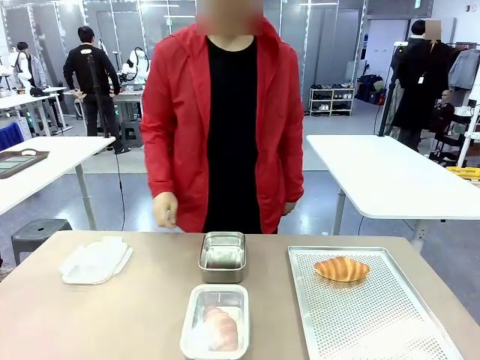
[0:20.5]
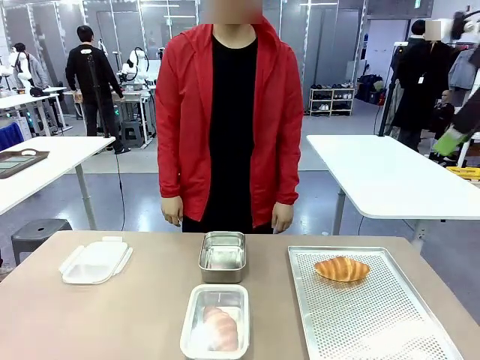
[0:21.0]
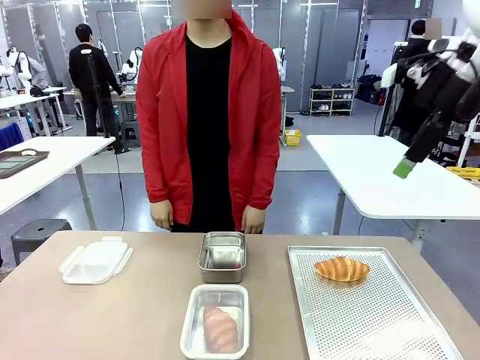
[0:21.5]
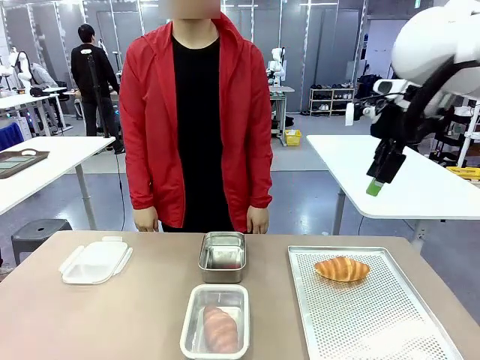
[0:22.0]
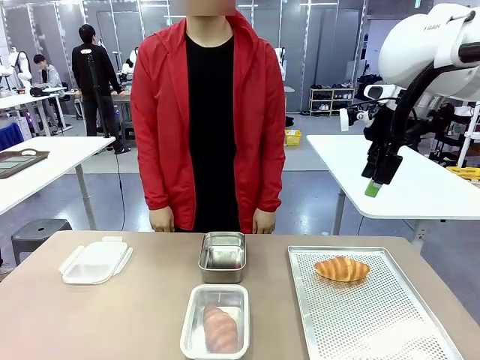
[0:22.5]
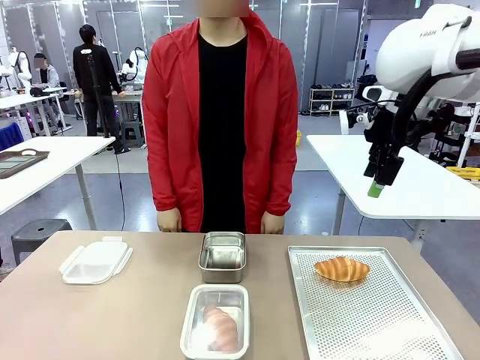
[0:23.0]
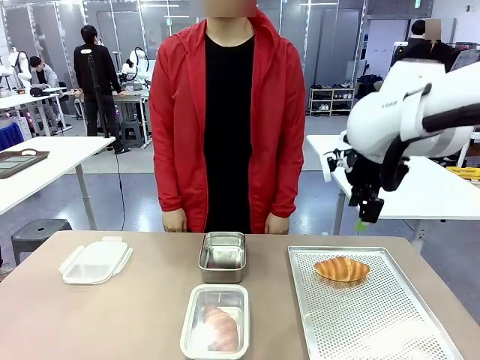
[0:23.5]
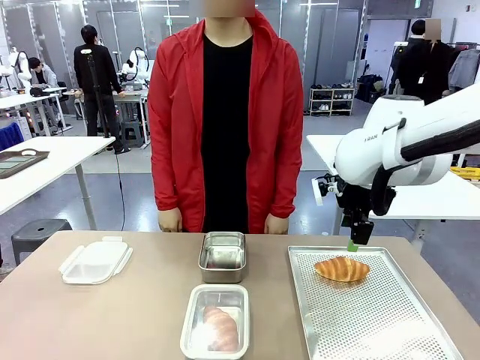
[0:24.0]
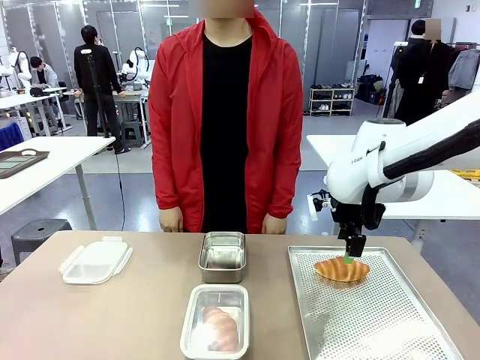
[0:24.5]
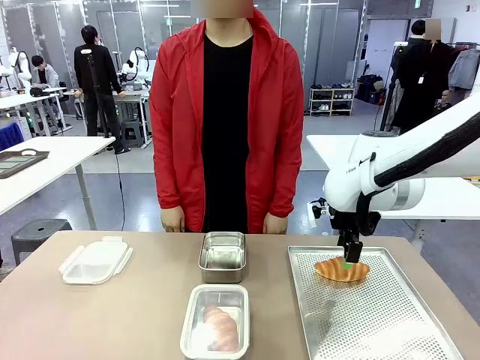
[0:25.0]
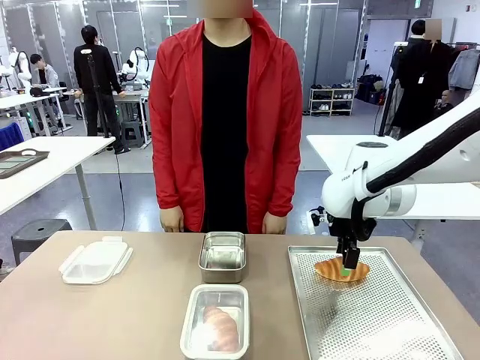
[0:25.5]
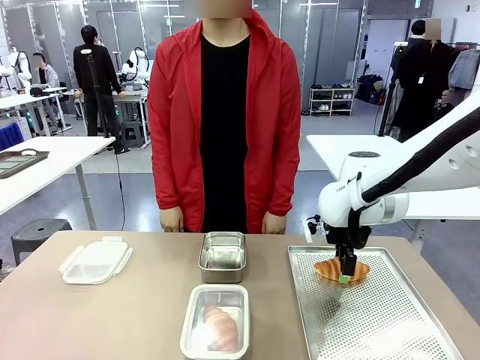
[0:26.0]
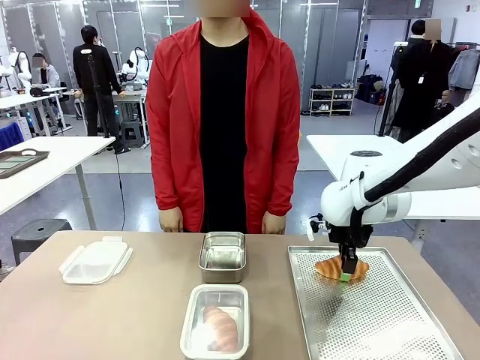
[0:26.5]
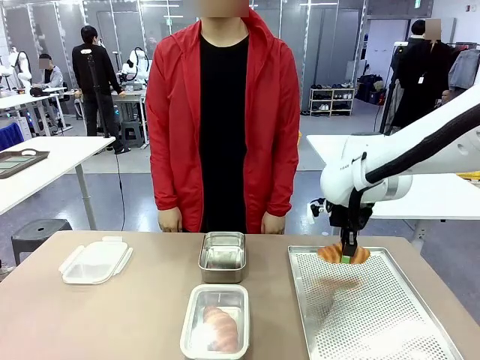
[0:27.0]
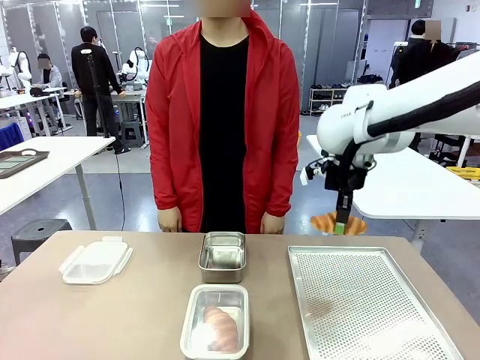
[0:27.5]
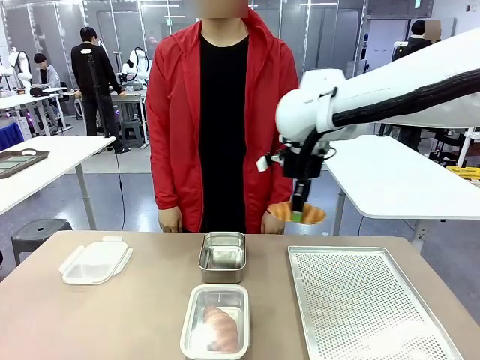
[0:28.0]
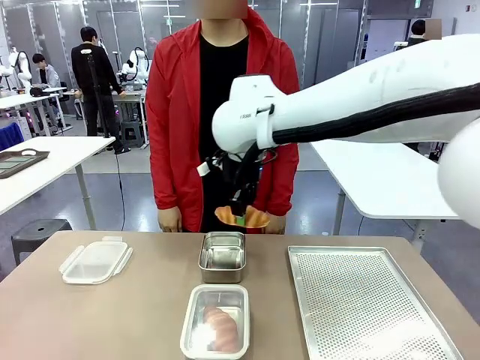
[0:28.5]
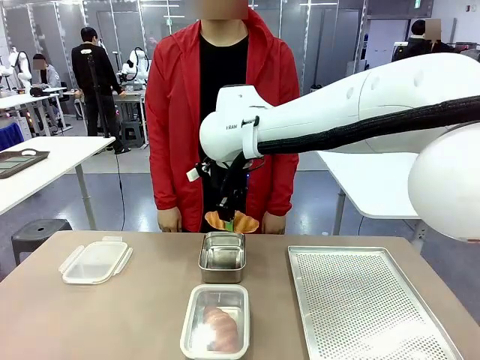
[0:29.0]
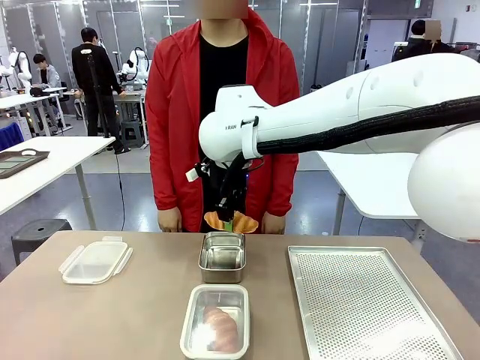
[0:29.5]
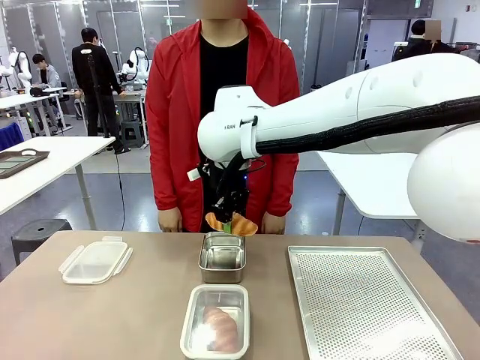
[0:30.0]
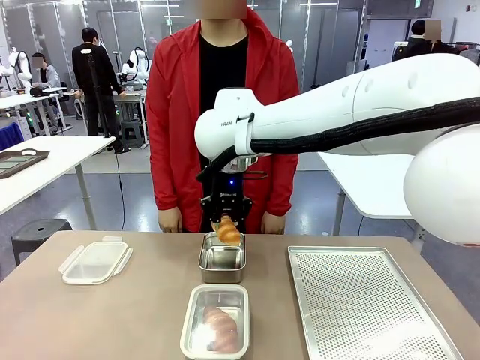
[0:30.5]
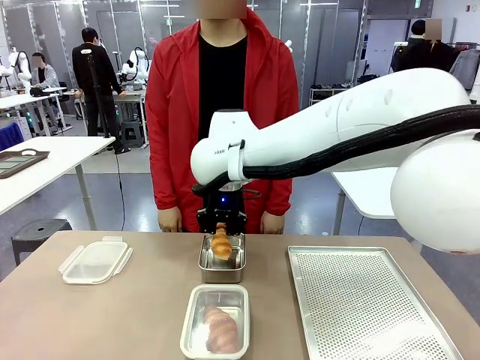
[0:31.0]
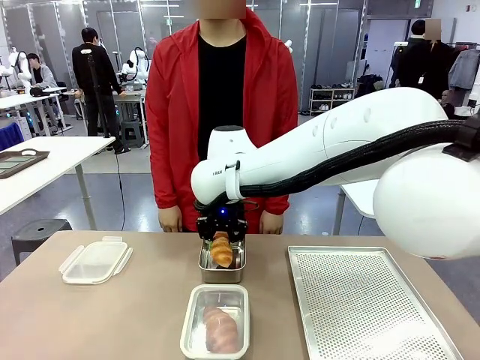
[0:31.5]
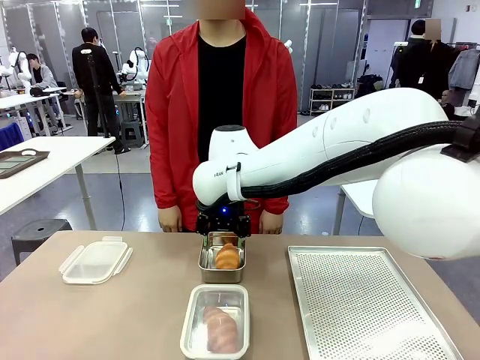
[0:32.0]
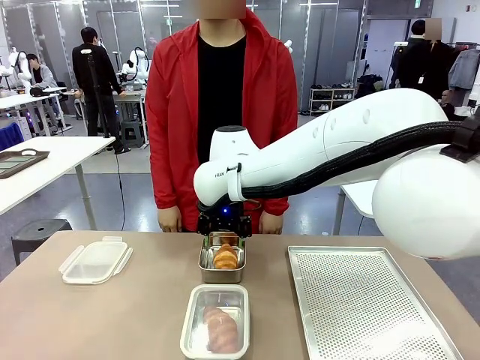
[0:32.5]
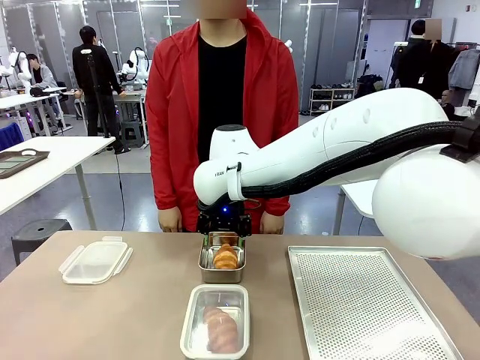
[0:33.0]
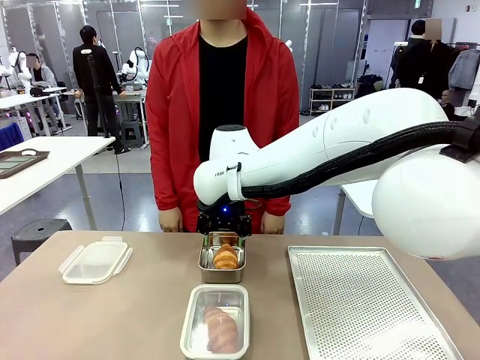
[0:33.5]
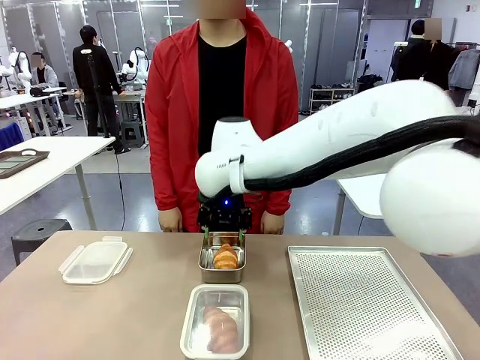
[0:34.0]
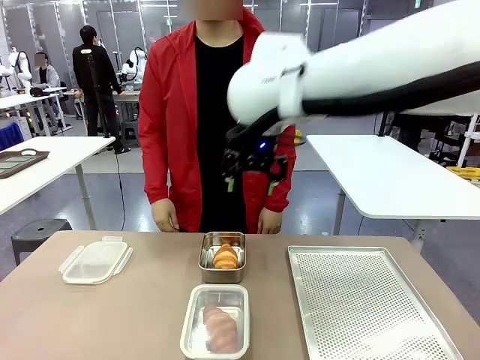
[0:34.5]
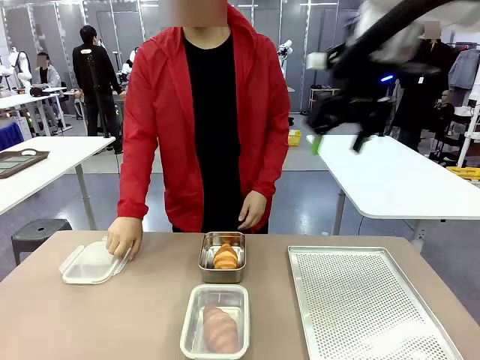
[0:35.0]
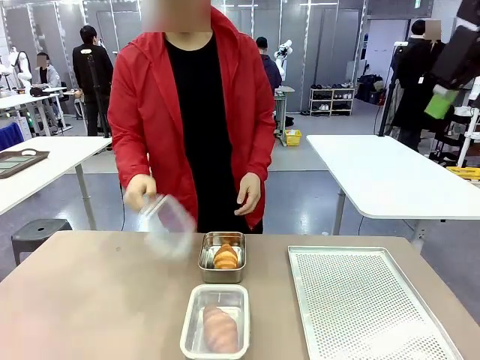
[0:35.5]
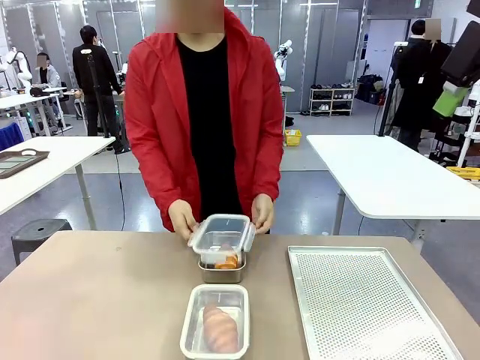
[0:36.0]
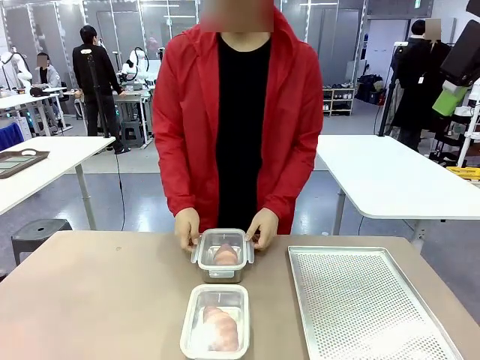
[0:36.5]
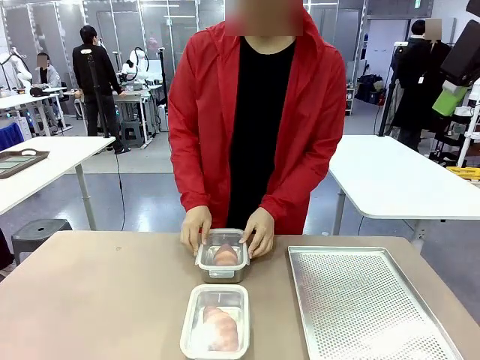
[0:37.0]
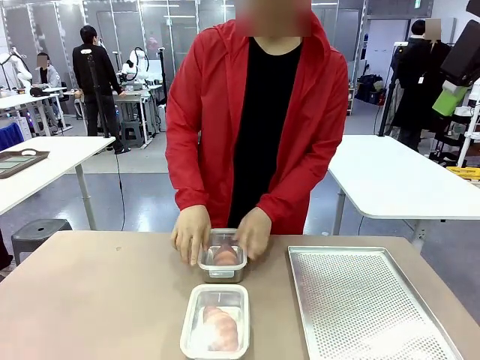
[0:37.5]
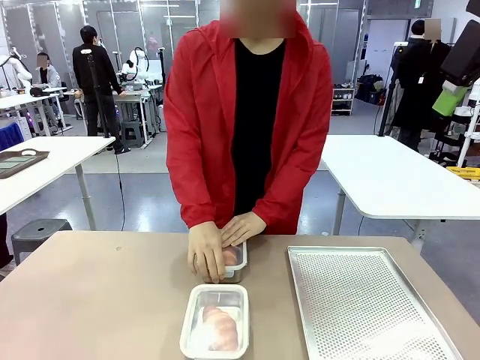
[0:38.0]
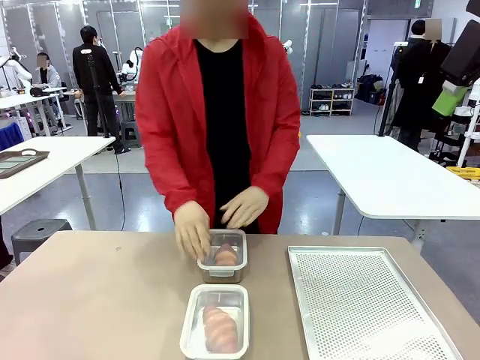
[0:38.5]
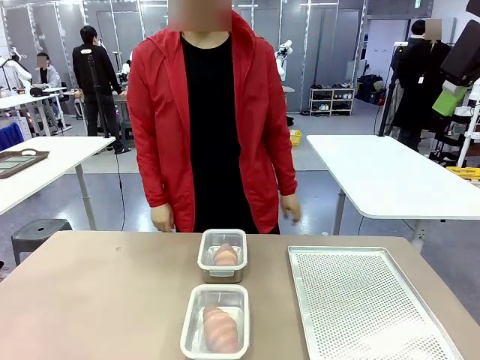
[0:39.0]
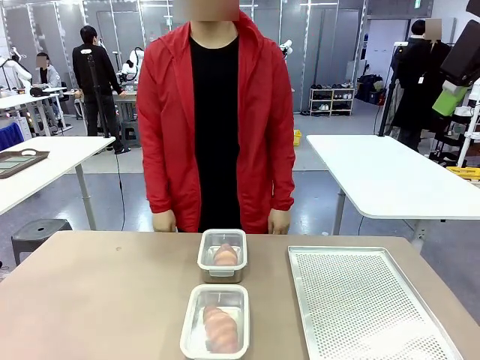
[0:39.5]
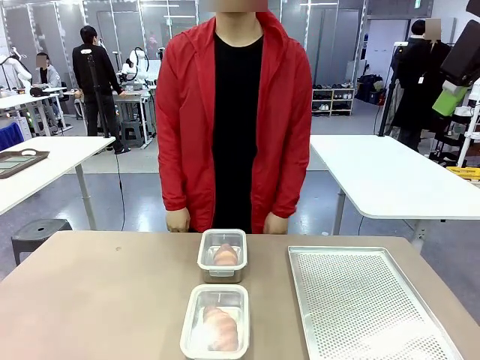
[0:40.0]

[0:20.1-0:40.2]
Task: Place the bread into the airtight container.
Robot: Pick up a Butter Roll and place it into an empty Airtight Container.

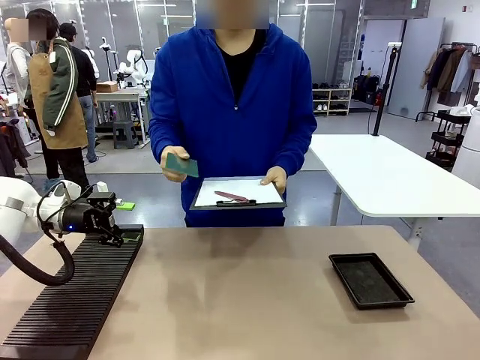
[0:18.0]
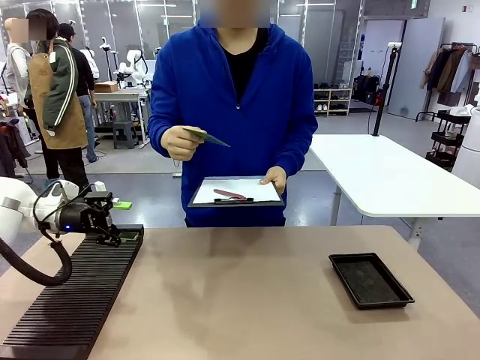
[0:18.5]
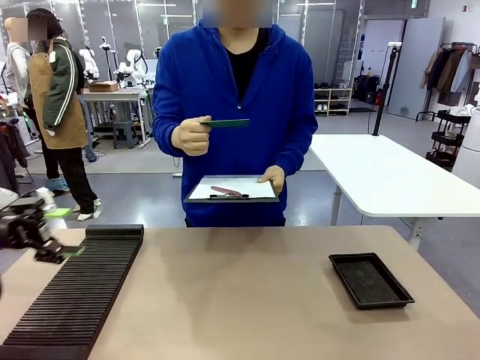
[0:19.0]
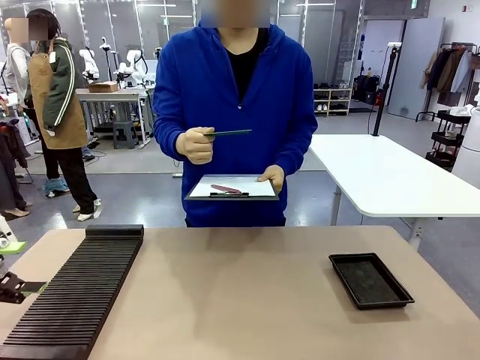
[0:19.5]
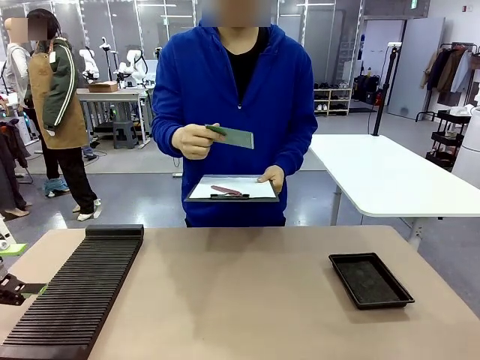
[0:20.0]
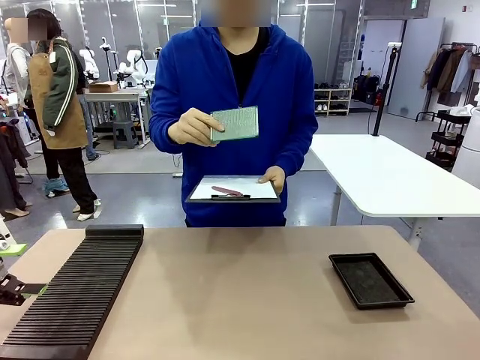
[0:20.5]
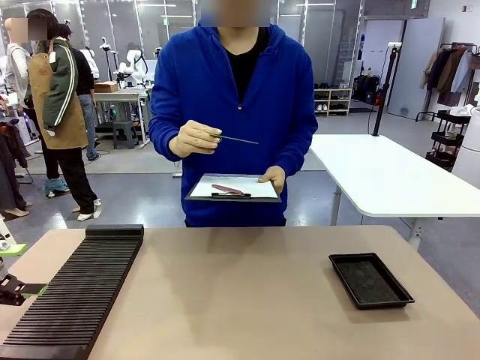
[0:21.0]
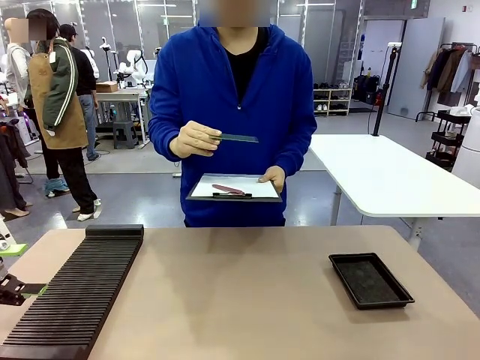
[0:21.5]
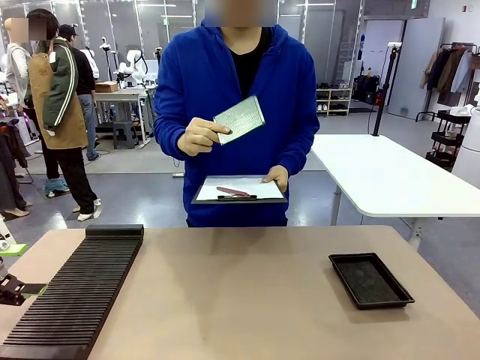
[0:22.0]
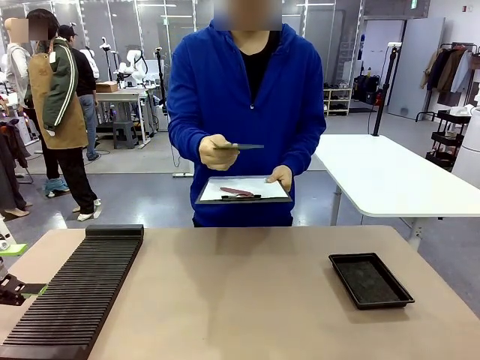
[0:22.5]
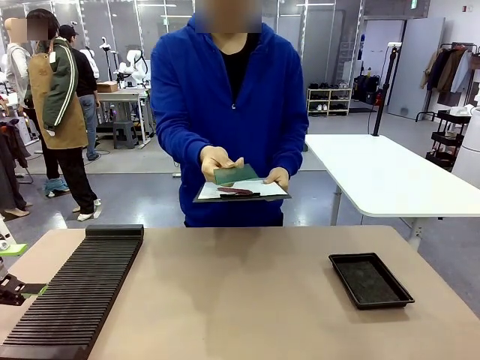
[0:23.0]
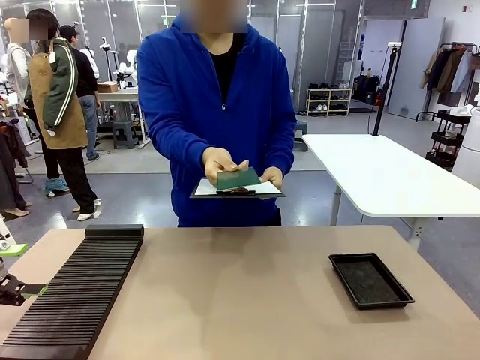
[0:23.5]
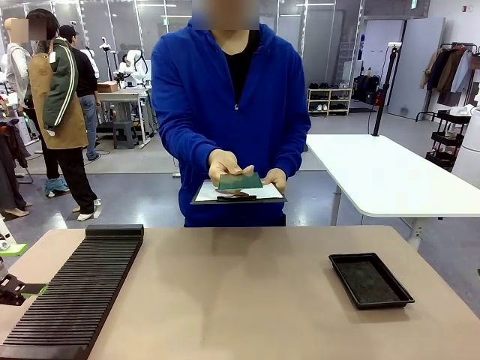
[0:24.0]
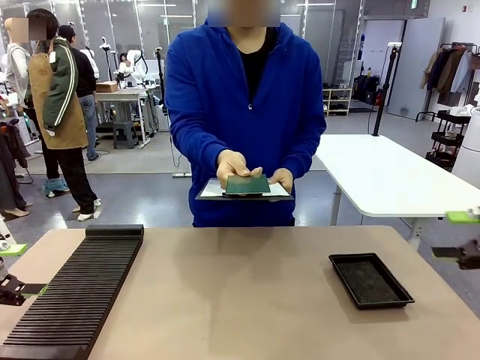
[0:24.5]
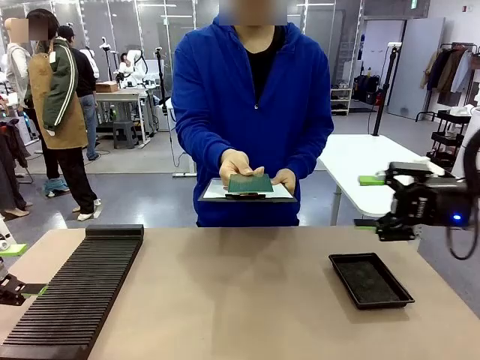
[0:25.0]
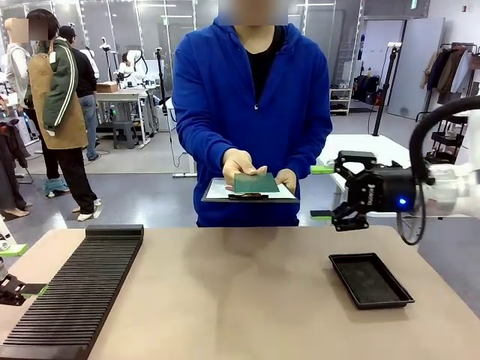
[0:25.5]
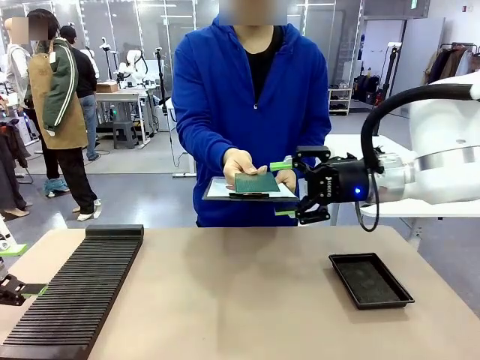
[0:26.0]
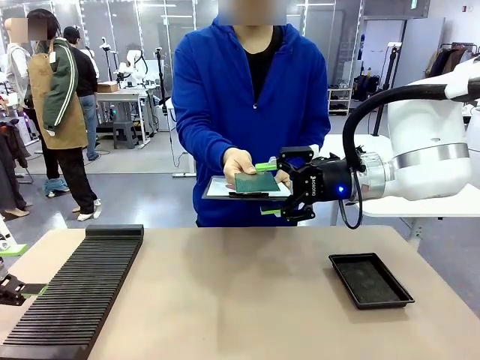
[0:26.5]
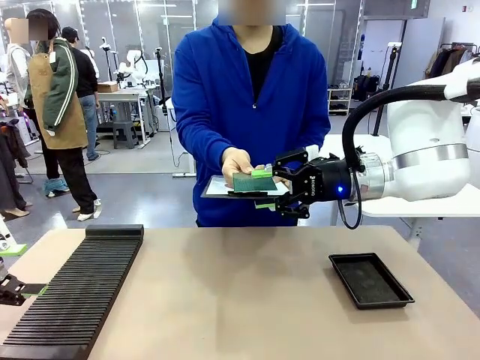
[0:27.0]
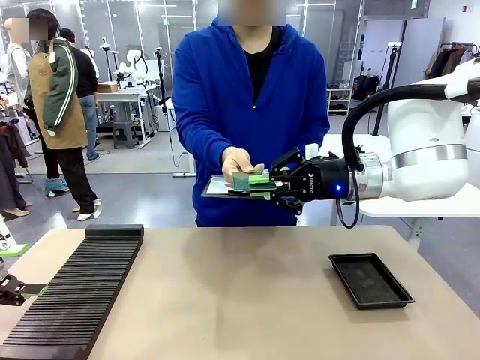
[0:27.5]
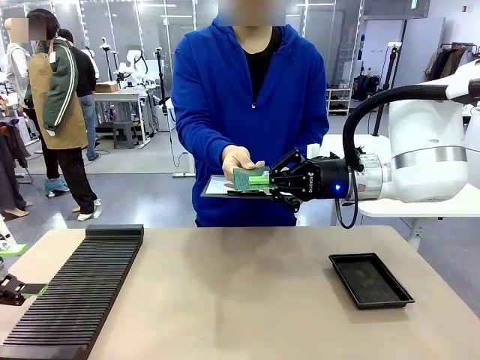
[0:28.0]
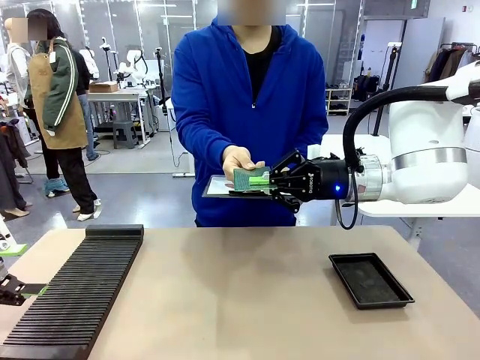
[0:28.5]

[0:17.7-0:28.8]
Task: Inspect the PCB.
Robot: Pick up the Blank PCB that the human is holding.
Person: Inspect the PCB placed by the robot, then hold it out in front of the robot. Release the PCB you were holding.
